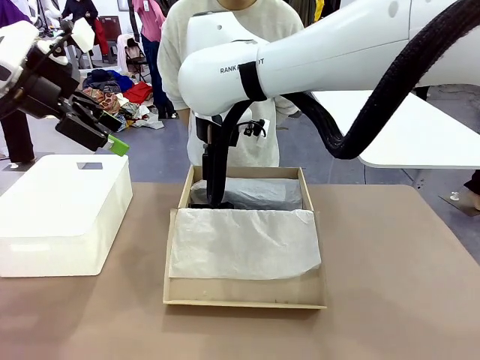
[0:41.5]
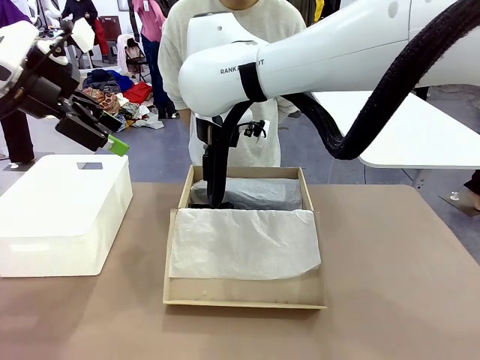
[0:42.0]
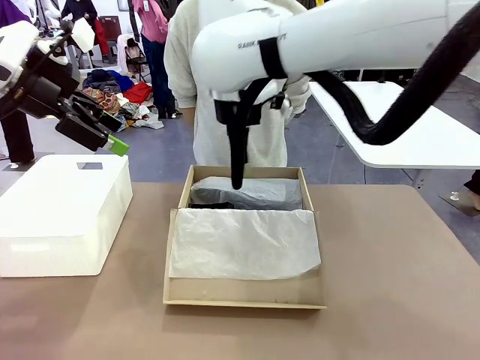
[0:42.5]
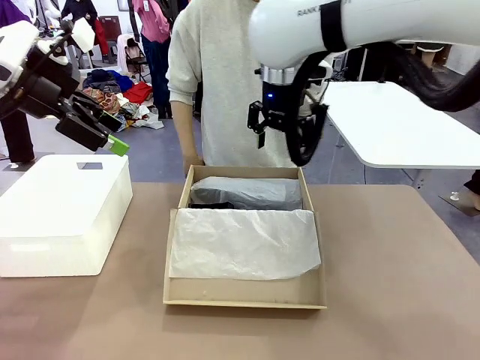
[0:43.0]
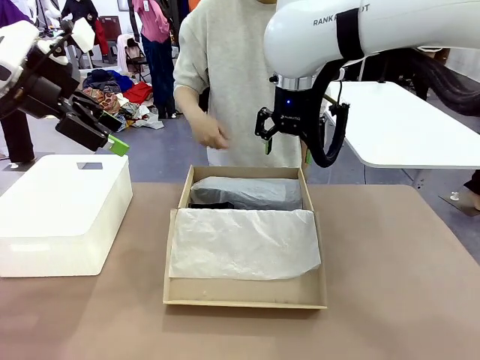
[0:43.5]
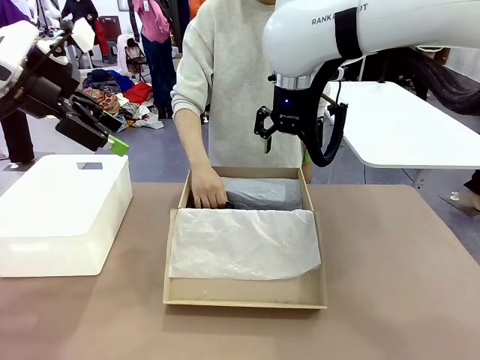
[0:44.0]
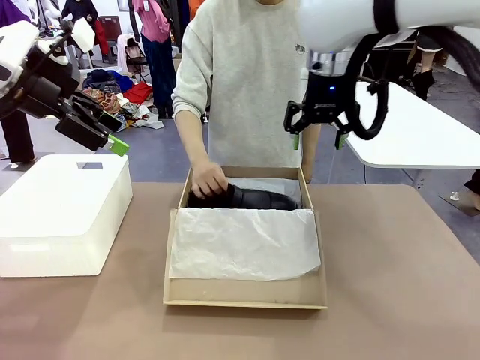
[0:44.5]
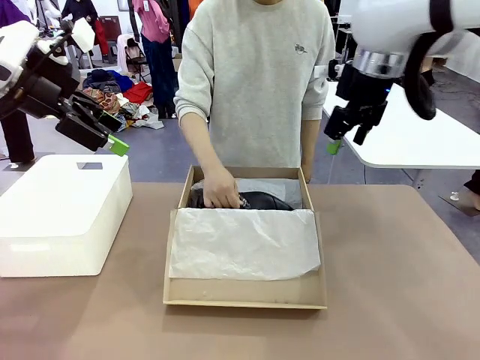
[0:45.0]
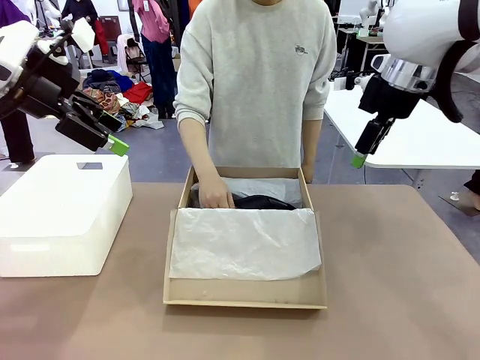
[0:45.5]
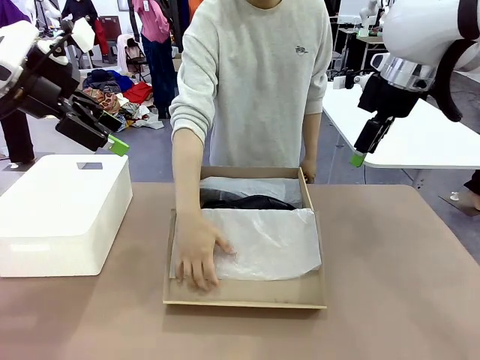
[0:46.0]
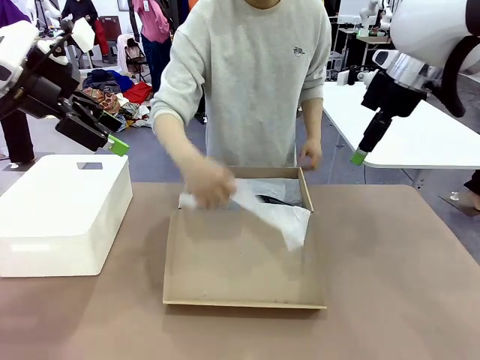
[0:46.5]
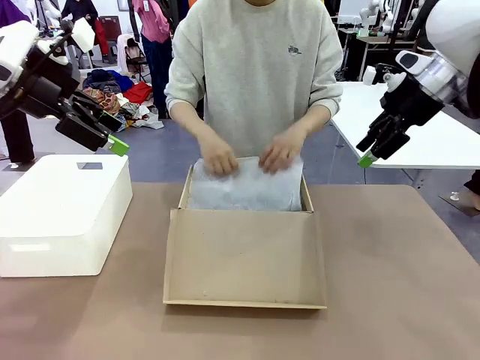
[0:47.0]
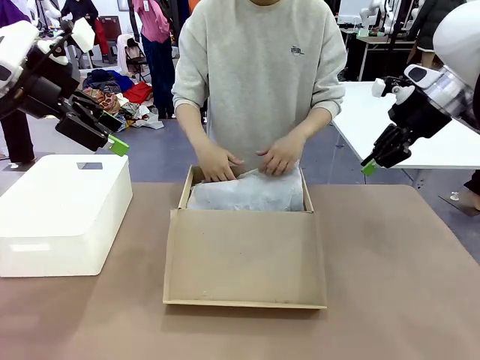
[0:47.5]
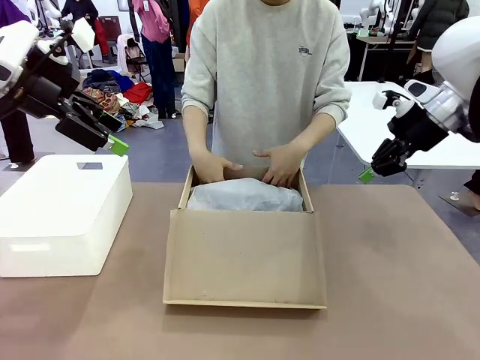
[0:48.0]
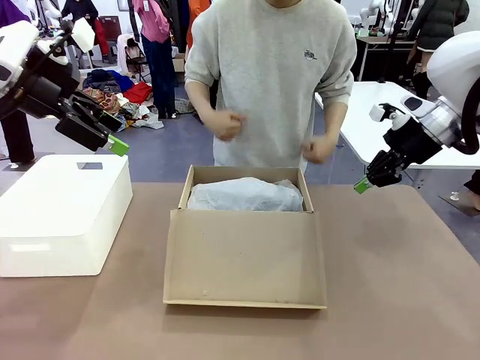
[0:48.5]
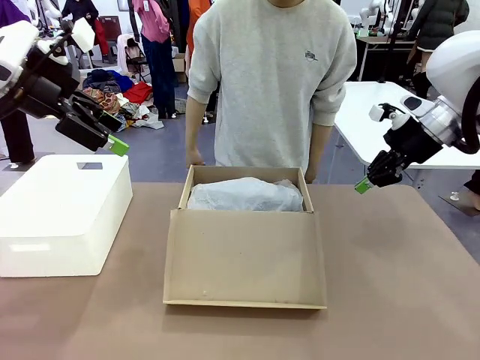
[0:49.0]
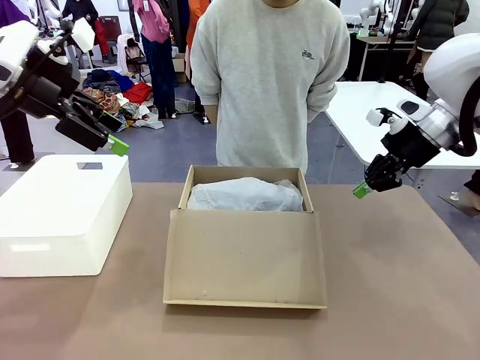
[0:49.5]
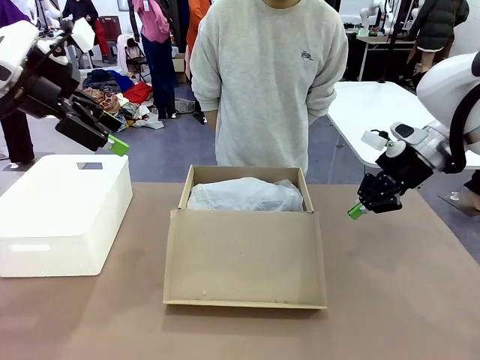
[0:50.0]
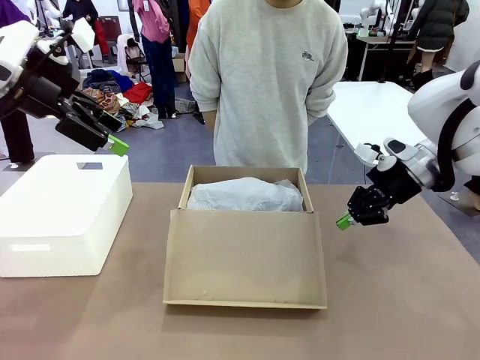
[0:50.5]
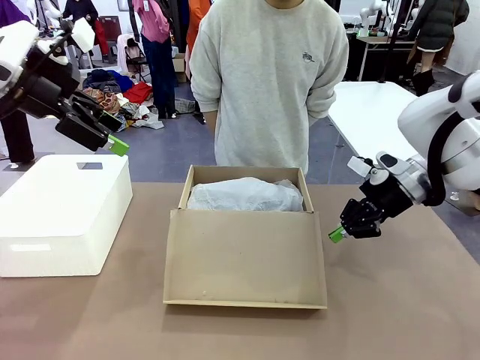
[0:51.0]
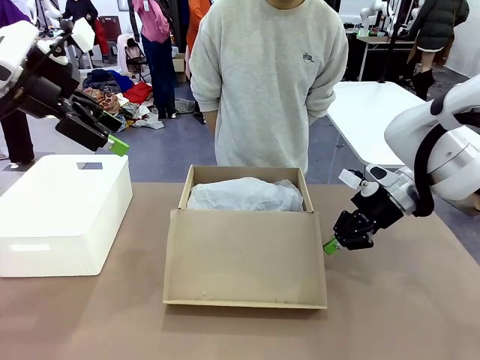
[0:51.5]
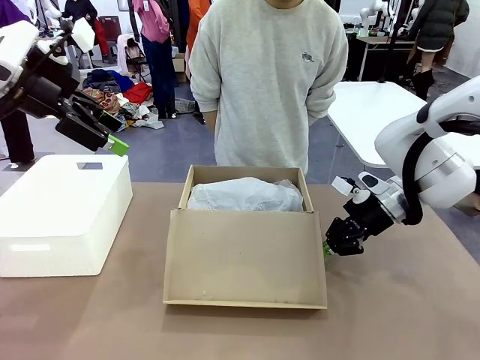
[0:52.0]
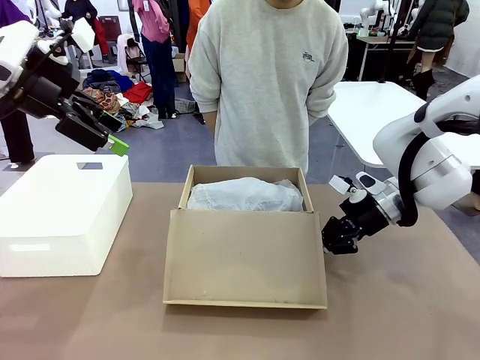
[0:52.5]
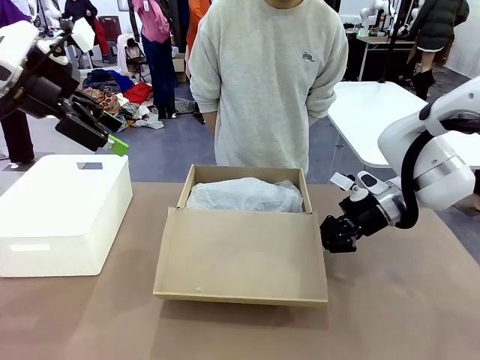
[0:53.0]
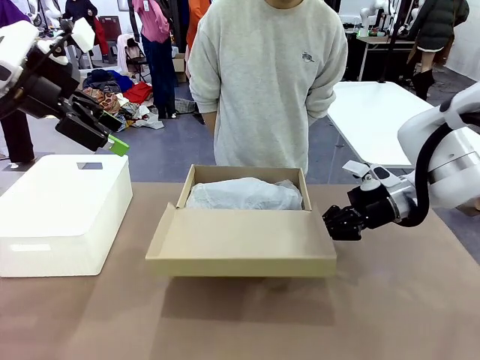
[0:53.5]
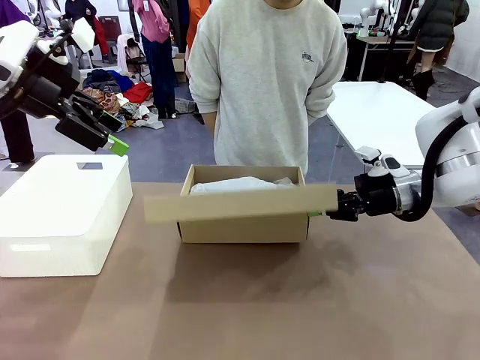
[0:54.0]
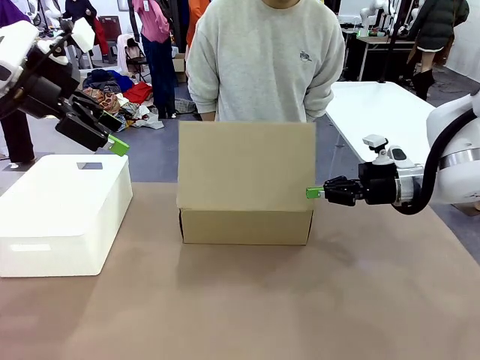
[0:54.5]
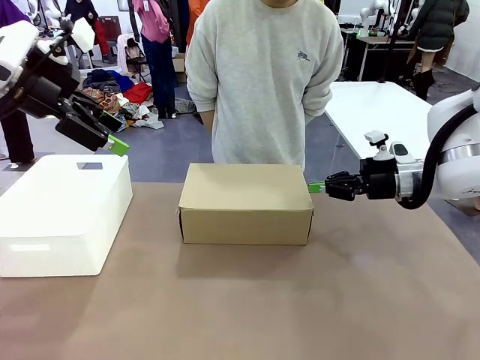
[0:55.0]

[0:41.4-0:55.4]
Task: Pack the shoes into the box.
Robot: Close the Shoes Box.

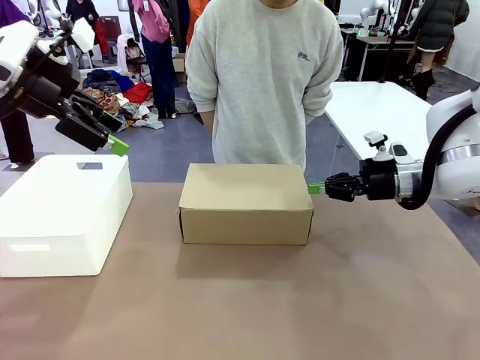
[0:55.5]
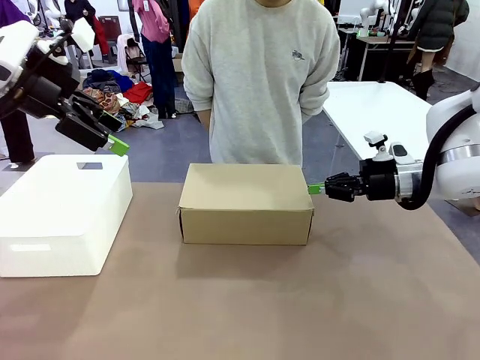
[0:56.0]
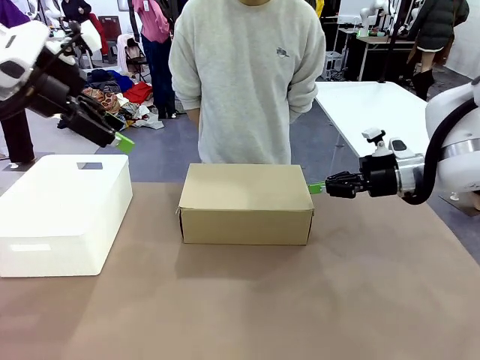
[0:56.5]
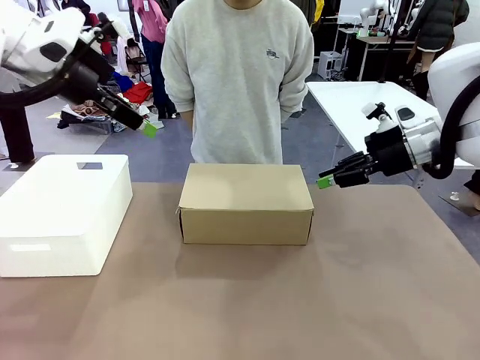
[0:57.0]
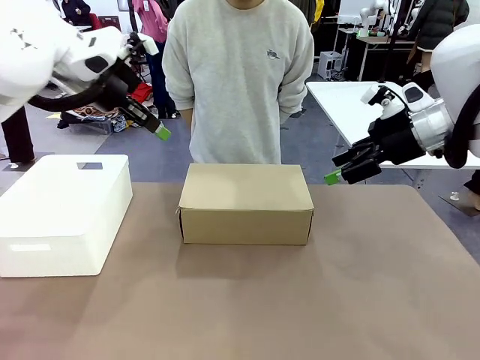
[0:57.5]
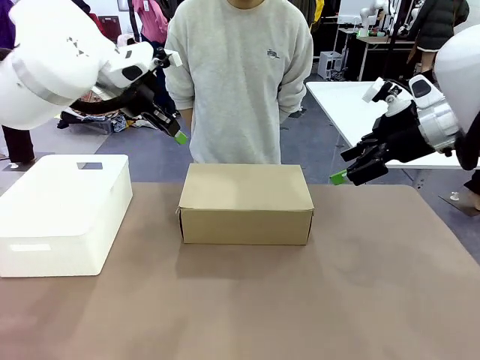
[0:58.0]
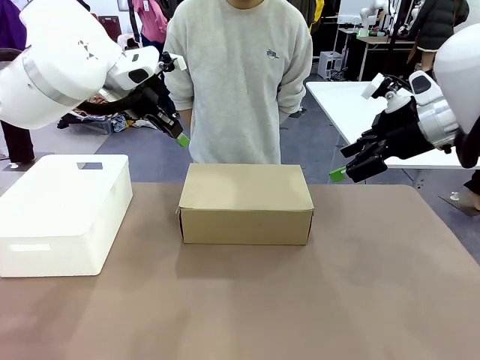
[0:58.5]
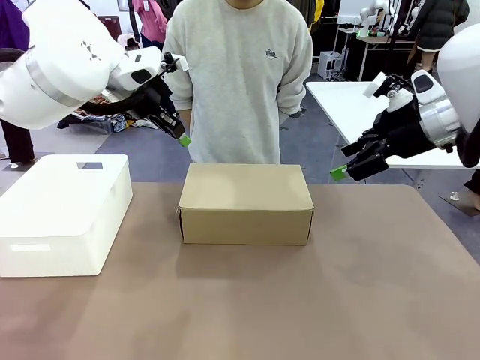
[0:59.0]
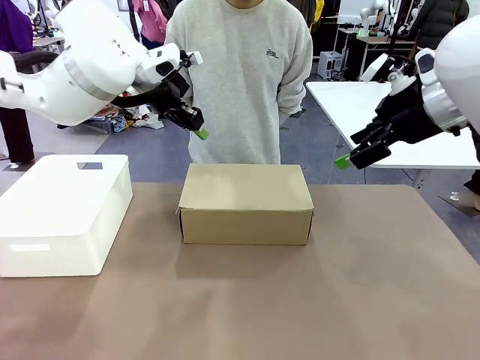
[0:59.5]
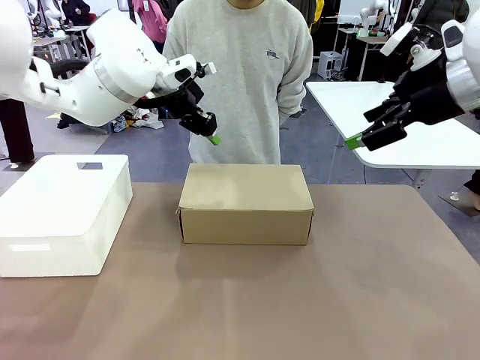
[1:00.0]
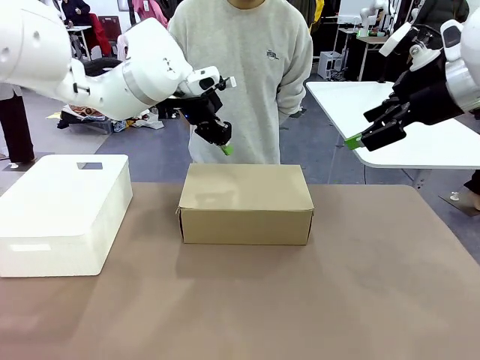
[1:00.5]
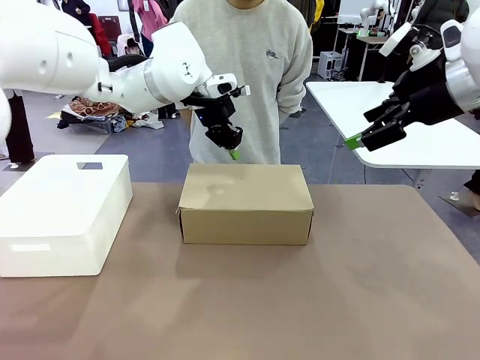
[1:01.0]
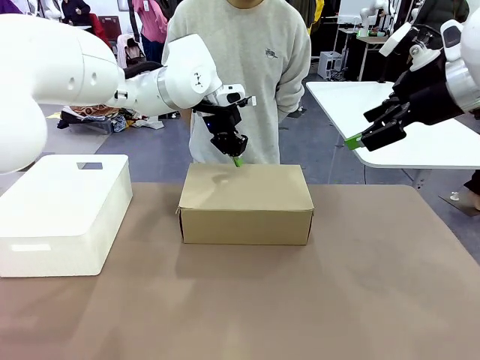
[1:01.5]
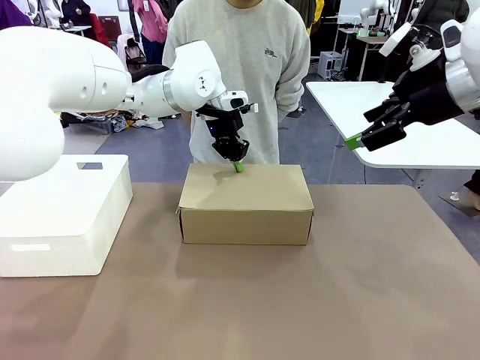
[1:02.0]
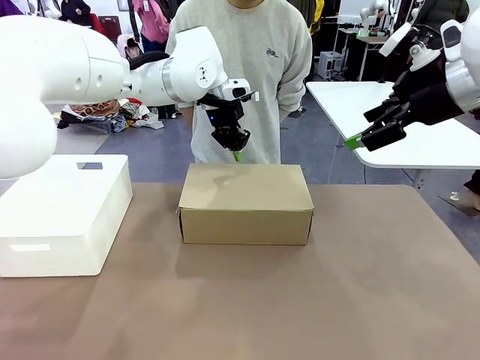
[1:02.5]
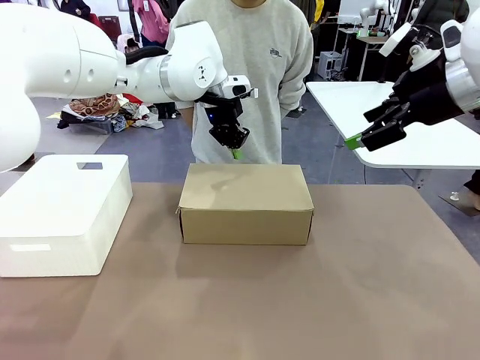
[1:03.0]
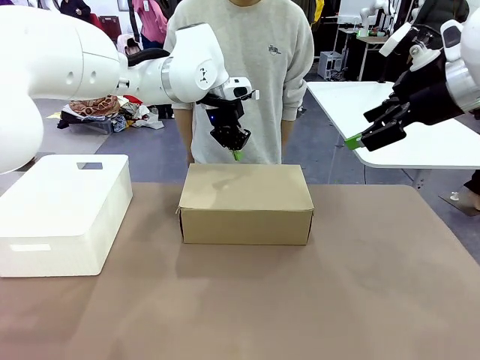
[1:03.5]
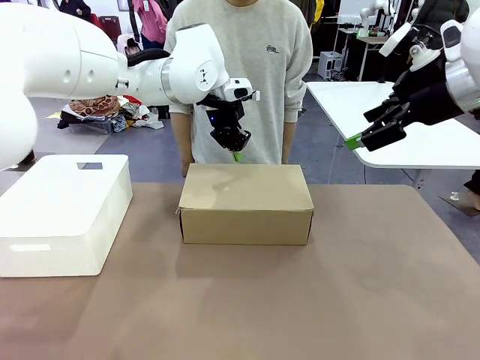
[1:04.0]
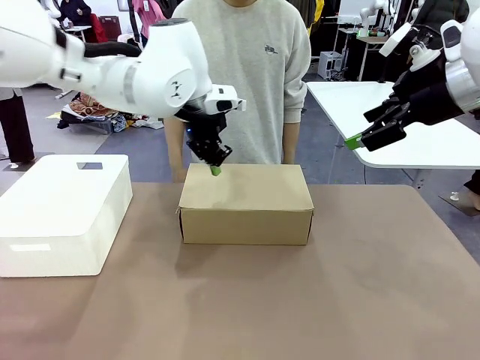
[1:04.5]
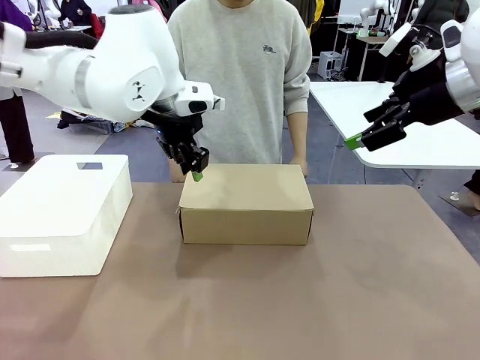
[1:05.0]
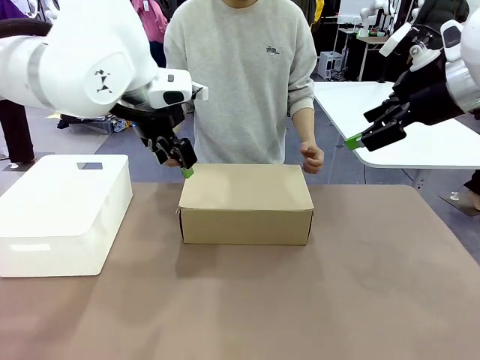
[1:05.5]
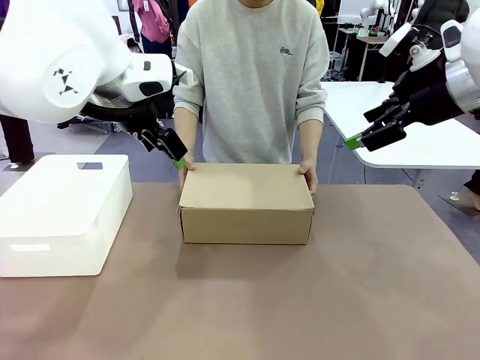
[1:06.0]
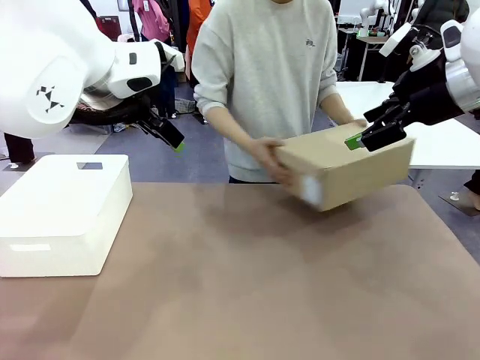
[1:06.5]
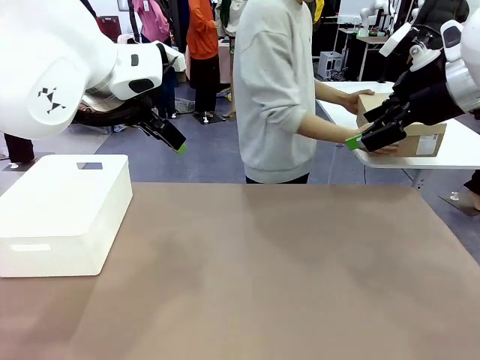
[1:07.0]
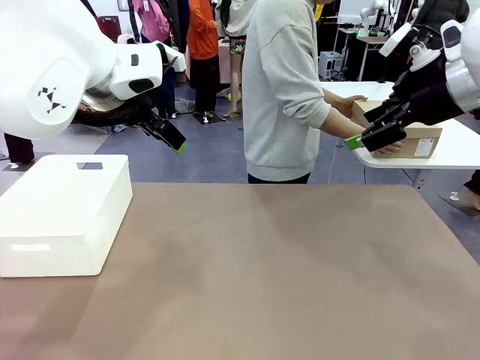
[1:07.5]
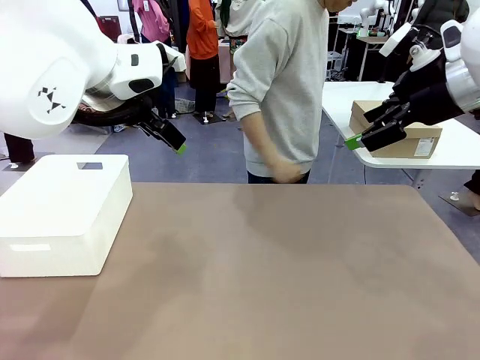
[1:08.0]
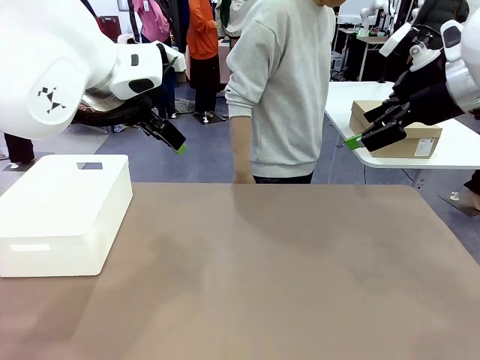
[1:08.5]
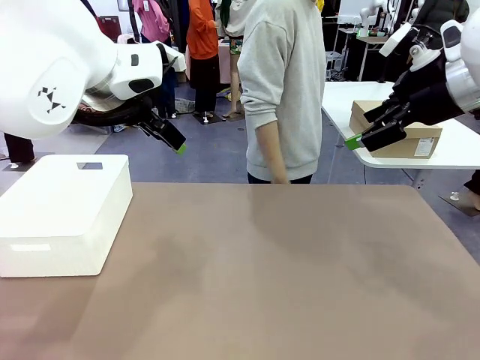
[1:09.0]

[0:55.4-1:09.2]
Robot: Press down on the lid of the Shoes Box.
Person: Place the closed Shoes Box to the right side of the human table.
